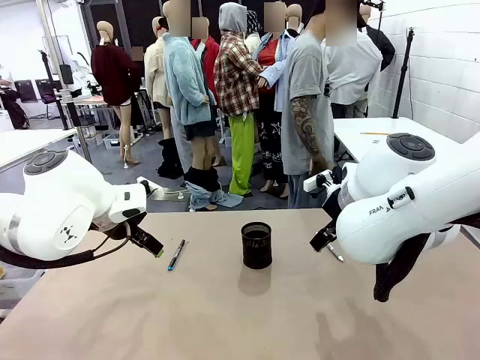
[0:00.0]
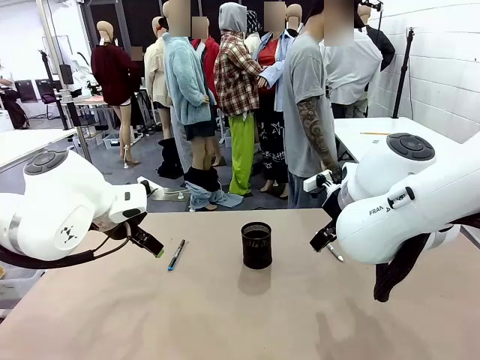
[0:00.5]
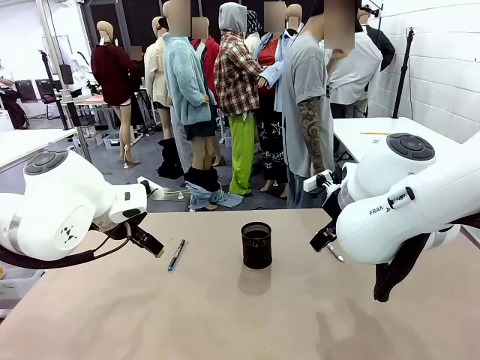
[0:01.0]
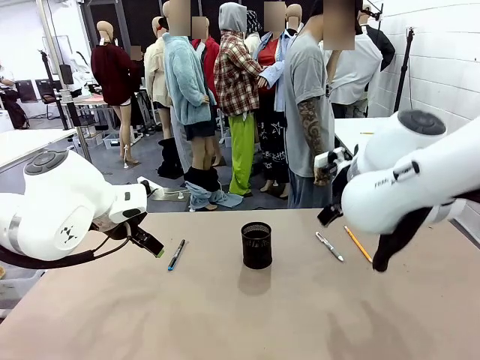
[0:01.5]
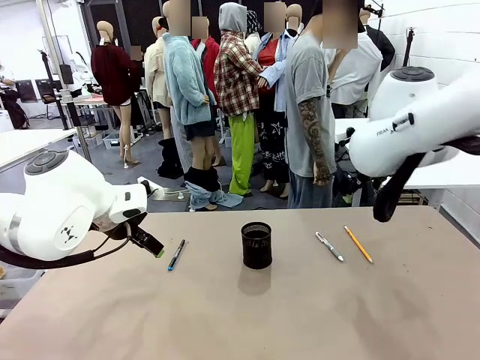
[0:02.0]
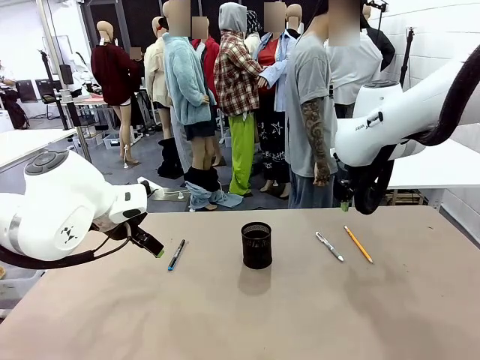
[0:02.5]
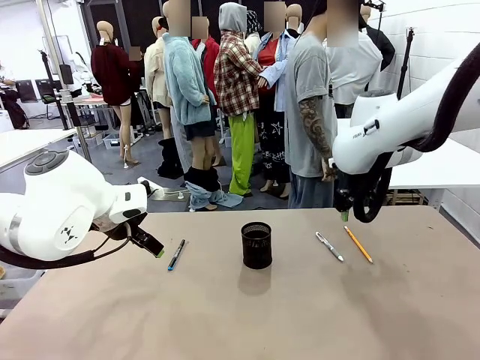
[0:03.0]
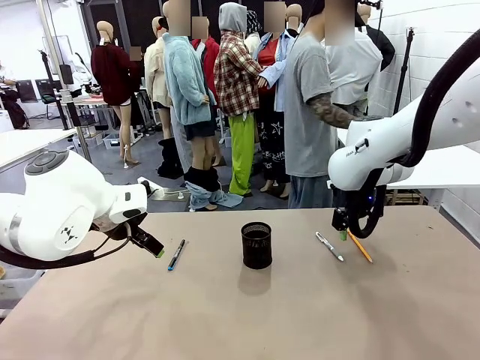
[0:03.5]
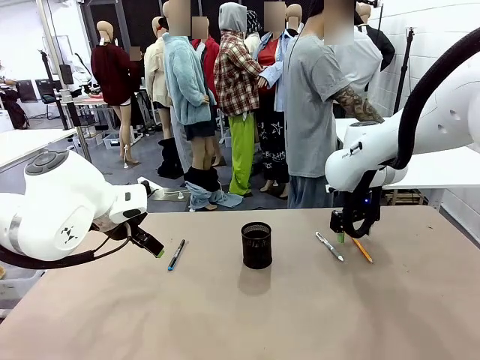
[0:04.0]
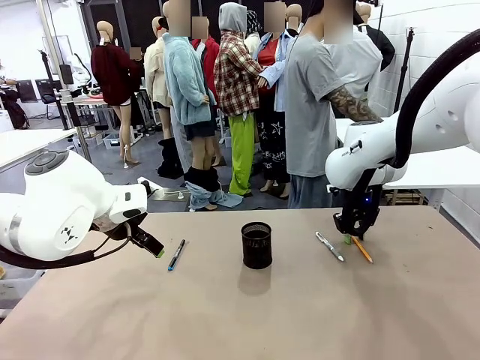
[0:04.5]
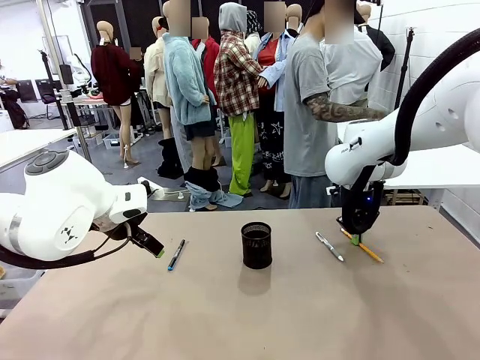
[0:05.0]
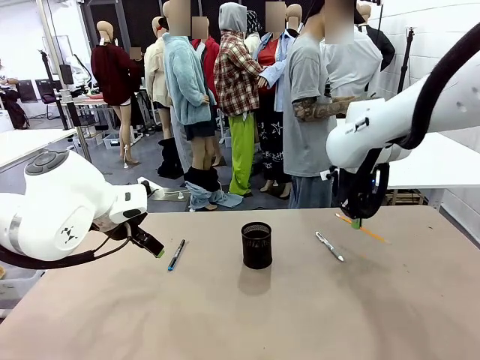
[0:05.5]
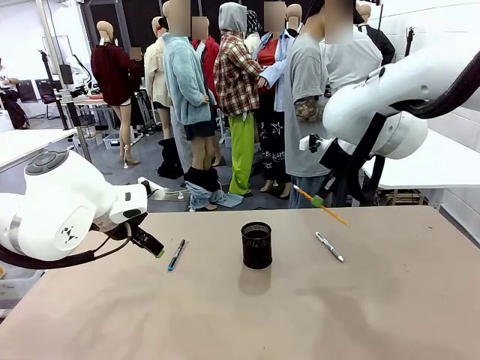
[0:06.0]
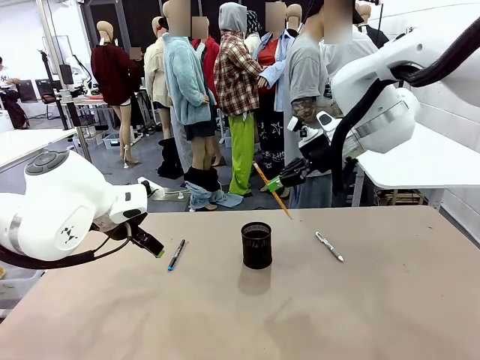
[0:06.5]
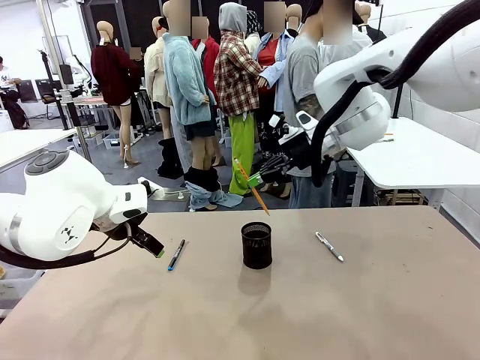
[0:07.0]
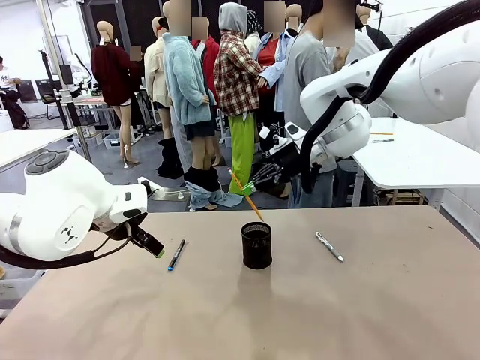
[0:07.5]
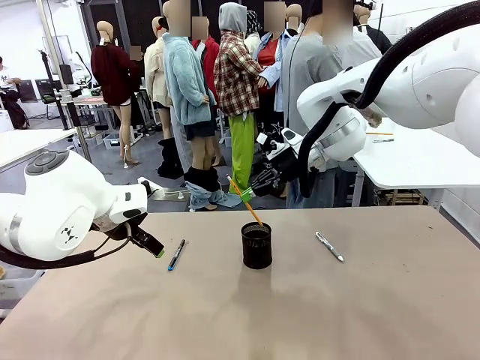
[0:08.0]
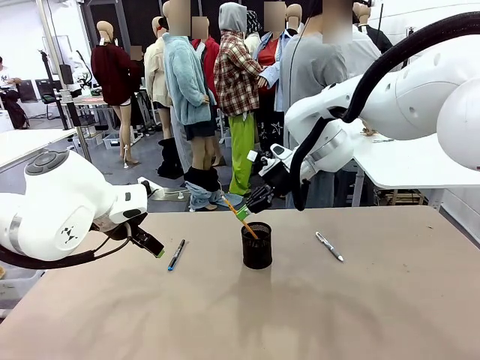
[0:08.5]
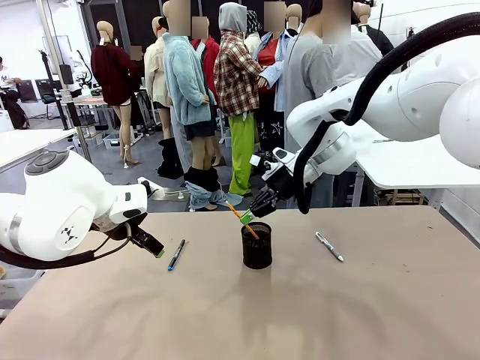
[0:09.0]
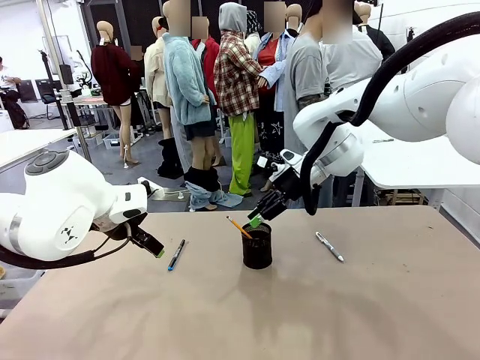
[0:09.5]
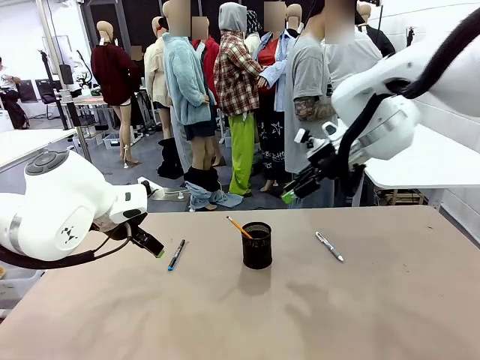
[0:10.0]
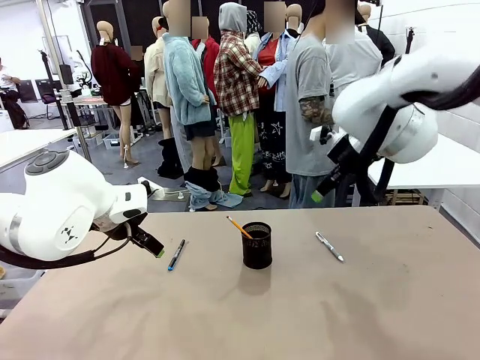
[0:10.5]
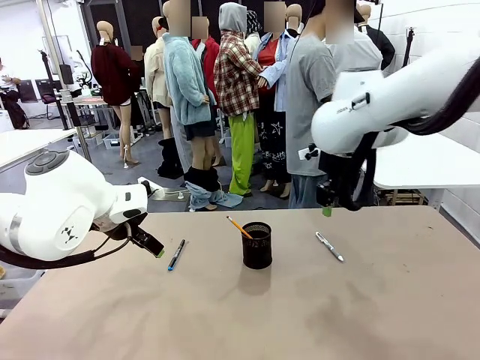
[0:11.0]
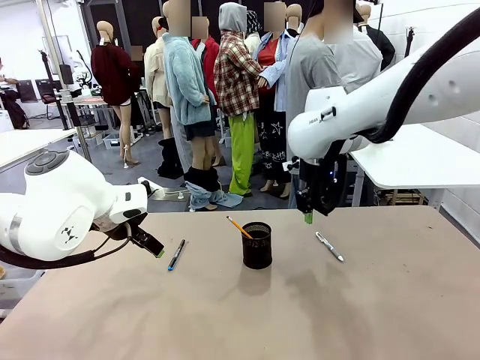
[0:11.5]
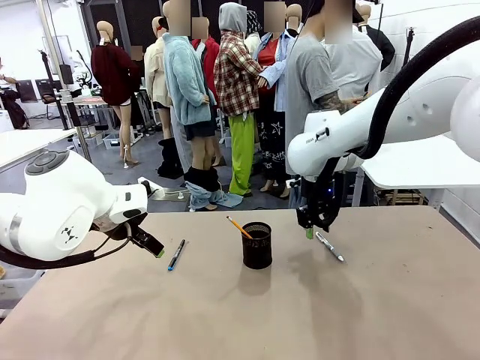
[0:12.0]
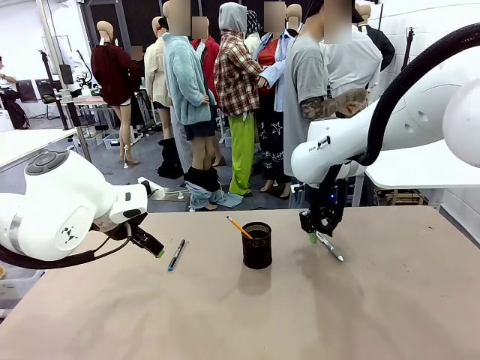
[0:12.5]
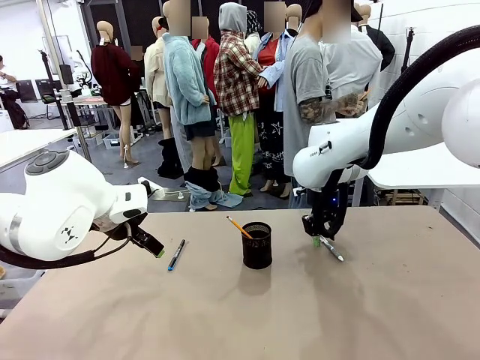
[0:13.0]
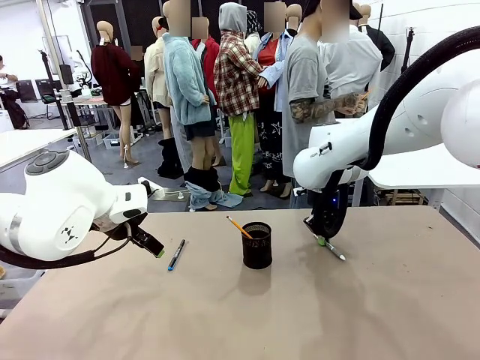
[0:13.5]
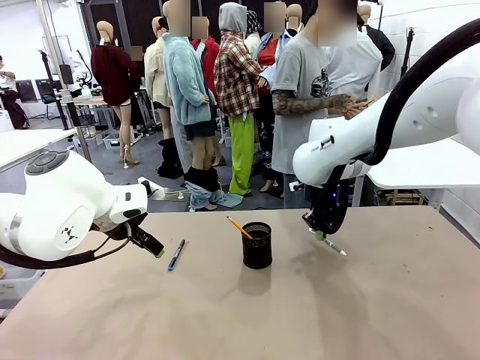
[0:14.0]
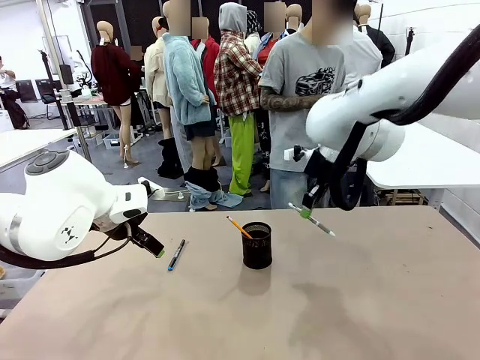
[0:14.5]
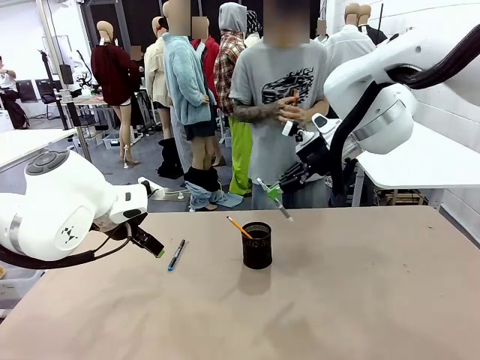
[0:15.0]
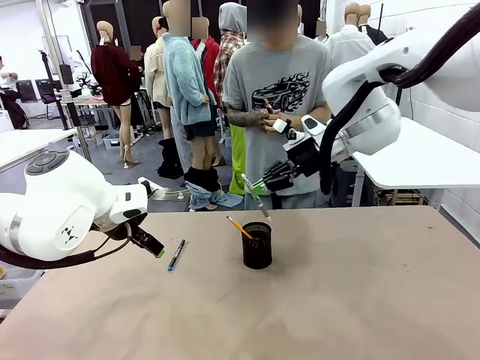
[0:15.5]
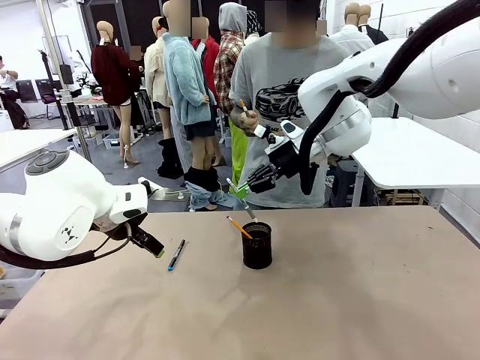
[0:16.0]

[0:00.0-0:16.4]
Task: Place the pens into the pen holder.
Robot: Pick up a writing instrument from the table and place it into the Pen holder.
Person: Pick up all writing instruments from the Human table.

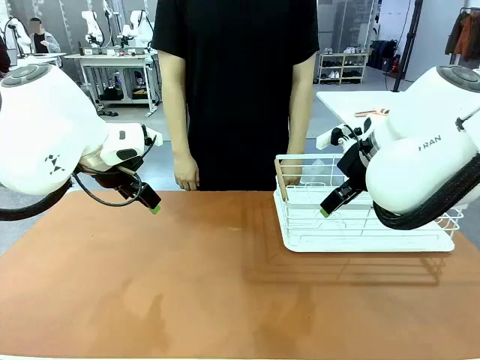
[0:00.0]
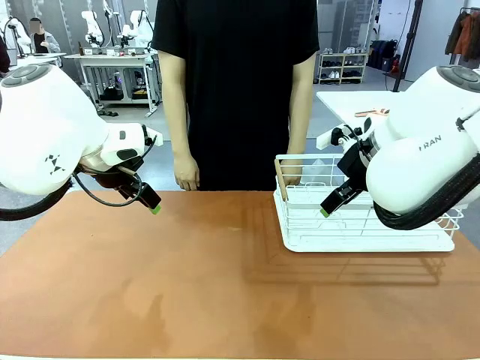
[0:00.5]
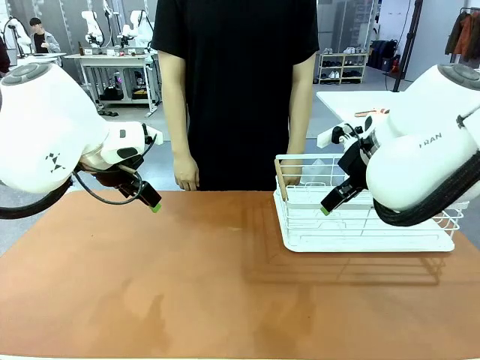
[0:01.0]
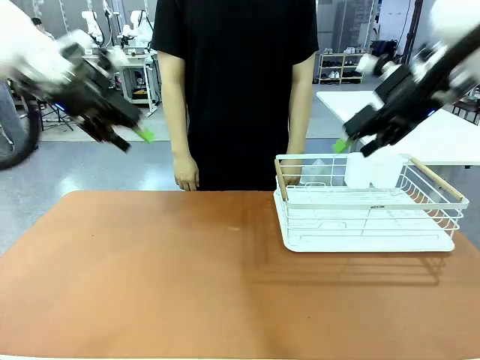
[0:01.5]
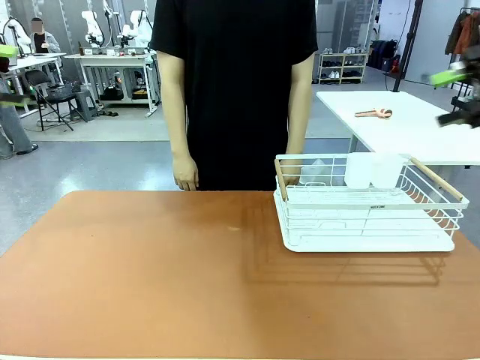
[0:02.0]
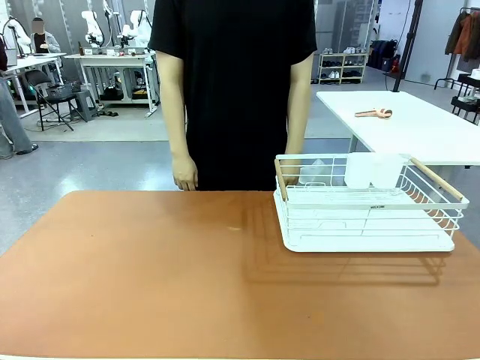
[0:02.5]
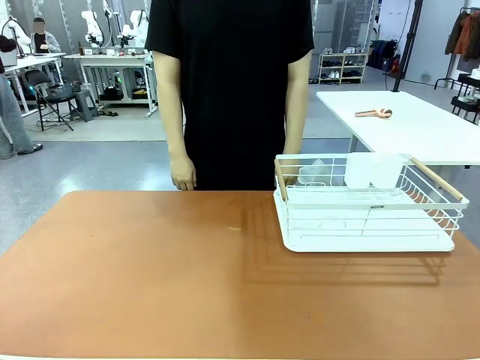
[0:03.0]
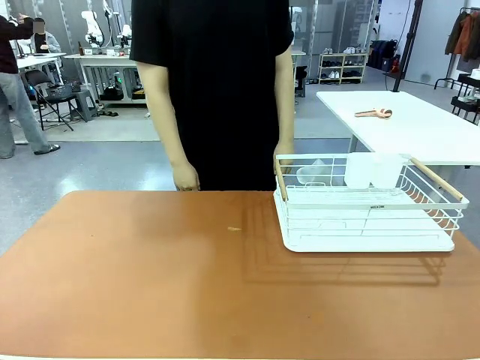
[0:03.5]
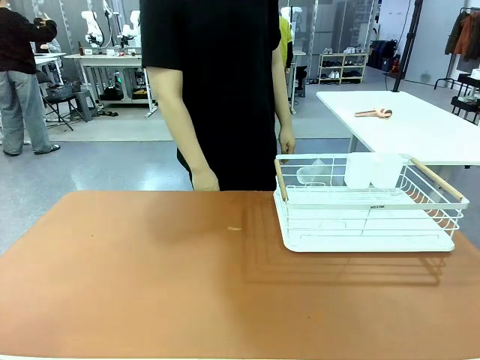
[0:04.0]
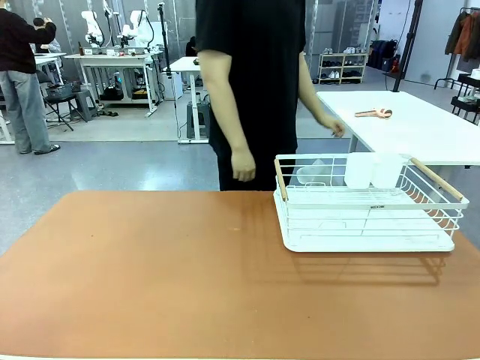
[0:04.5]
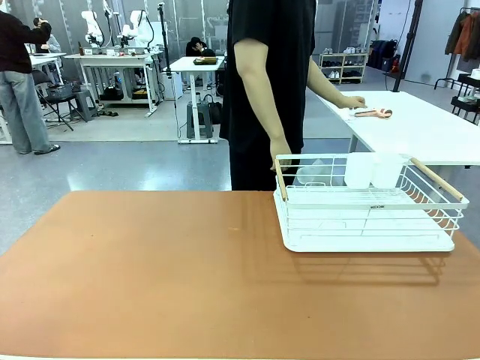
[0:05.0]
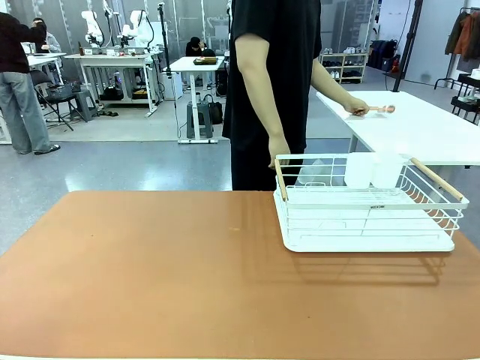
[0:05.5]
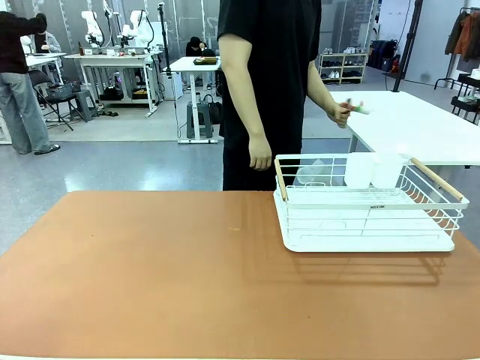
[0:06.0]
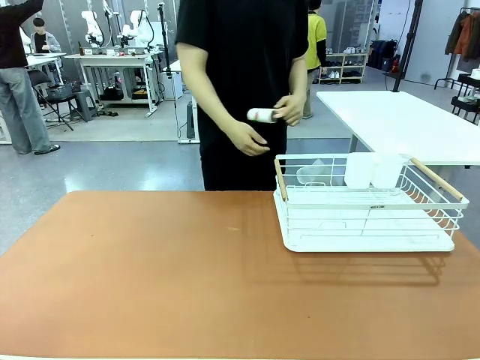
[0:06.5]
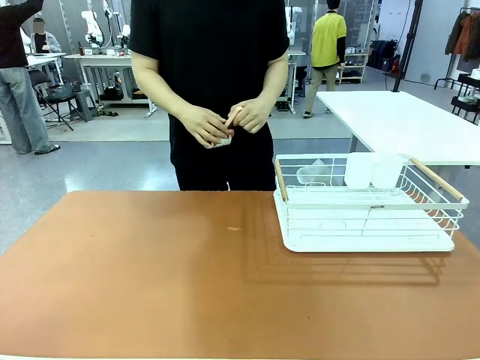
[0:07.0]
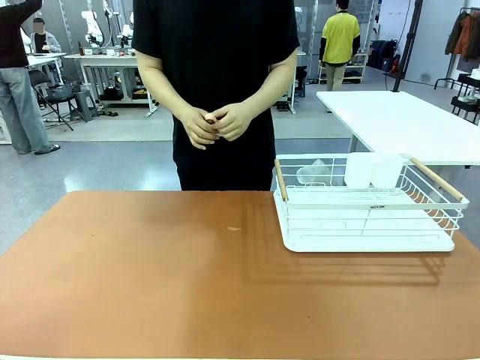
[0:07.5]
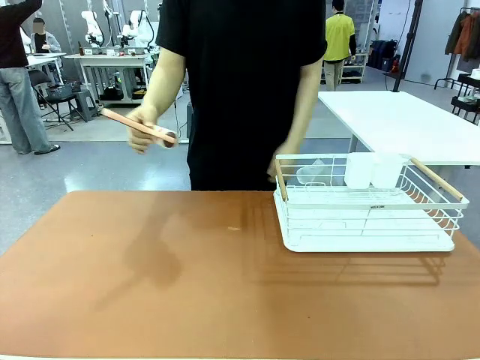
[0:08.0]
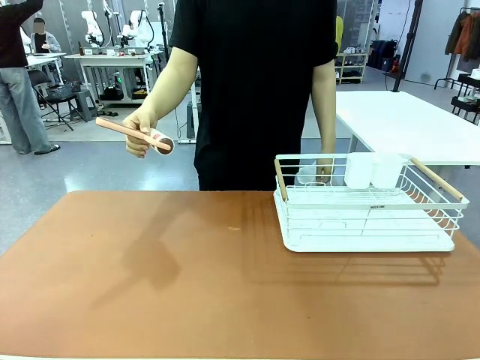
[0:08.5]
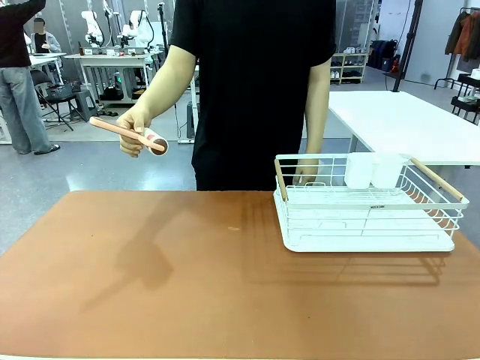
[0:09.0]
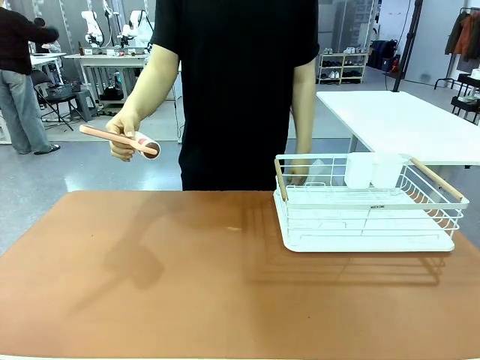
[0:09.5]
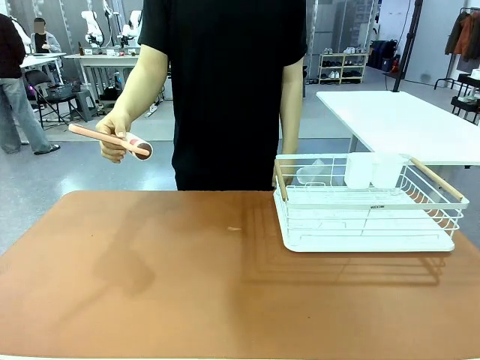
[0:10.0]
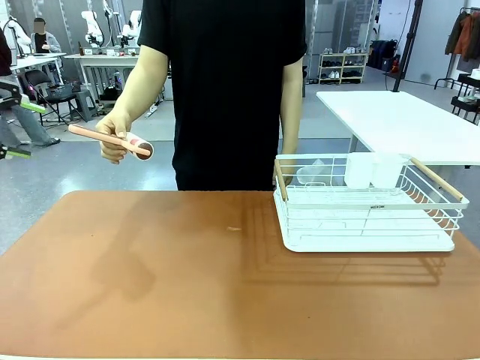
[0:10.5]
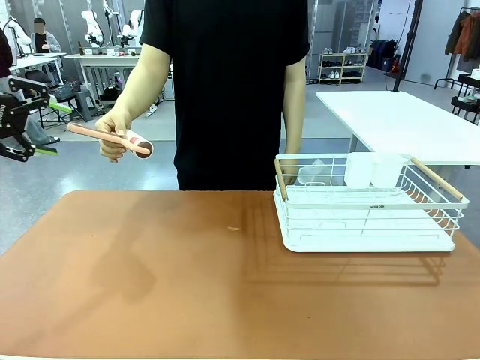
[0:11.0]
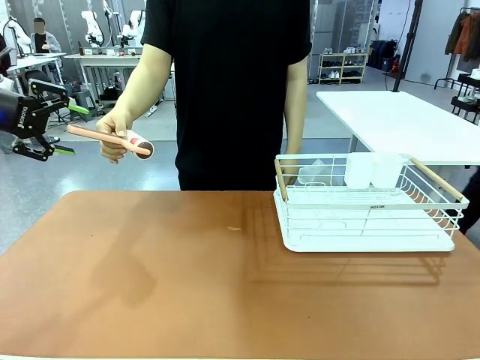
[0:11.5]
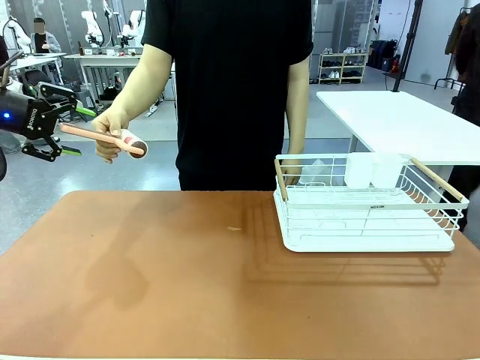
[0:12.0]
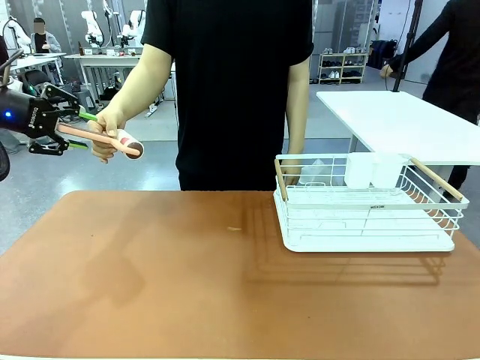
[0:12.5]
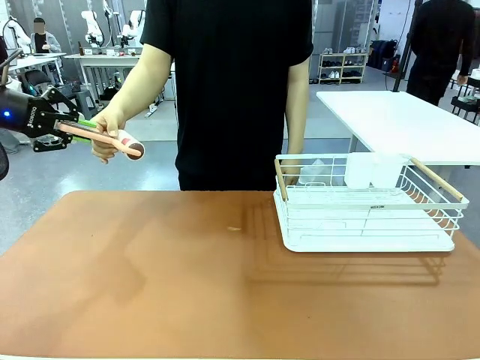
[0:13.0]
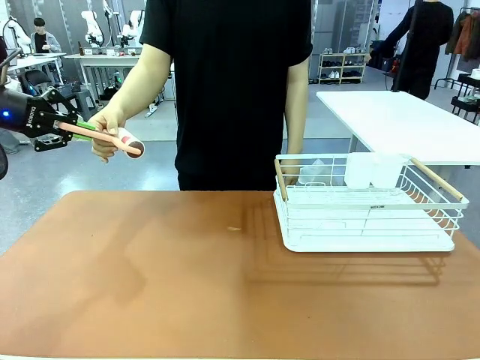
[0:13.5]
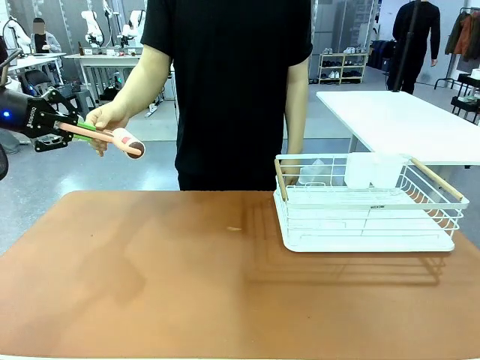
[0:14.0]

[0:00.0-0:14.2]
Task: Clean the table.
Robot: Pick up the Lint Roller when the human hands it over.
Person: Hand the Lint Roller to the robot so it can easily pick it up. Lift the Dish drying rack.
